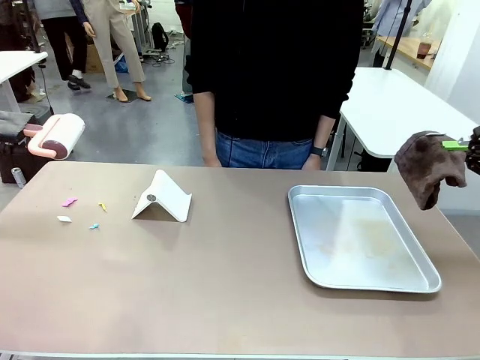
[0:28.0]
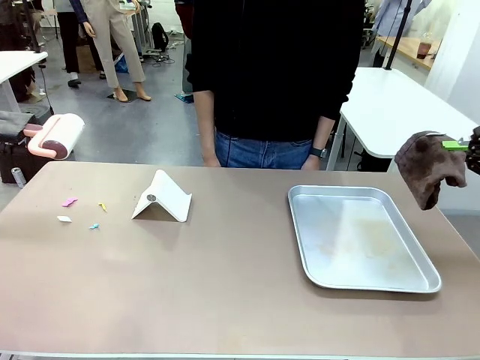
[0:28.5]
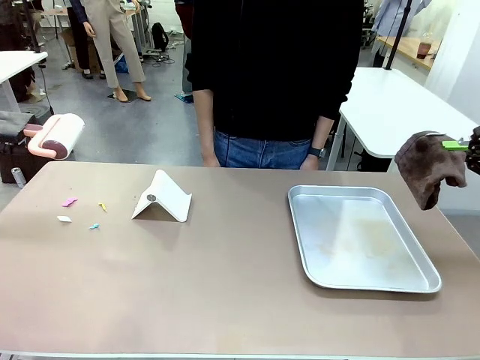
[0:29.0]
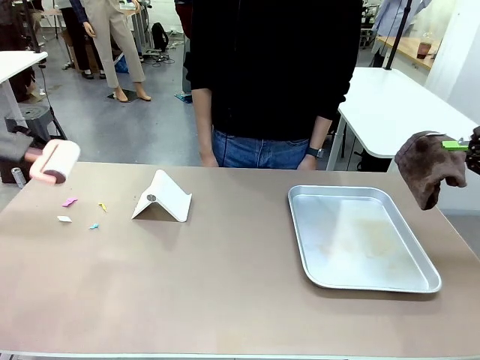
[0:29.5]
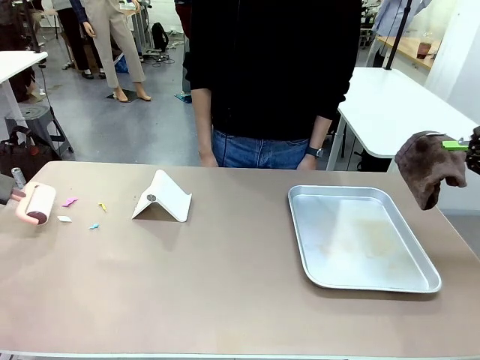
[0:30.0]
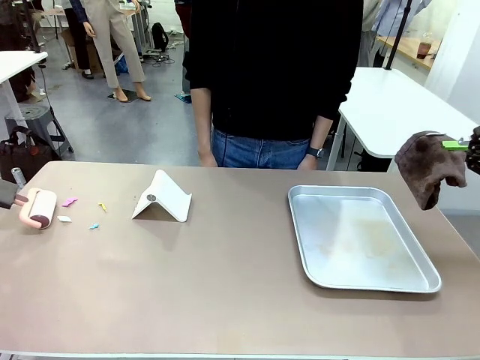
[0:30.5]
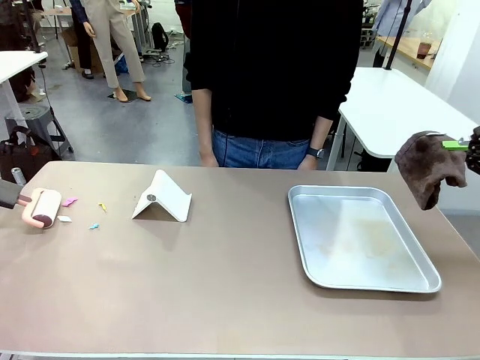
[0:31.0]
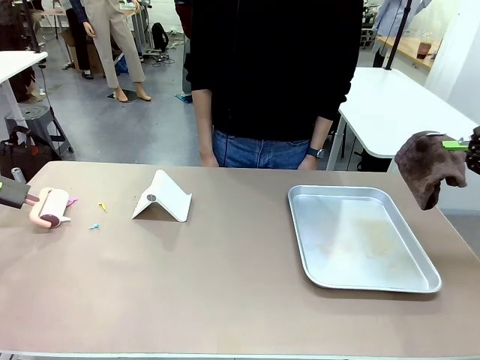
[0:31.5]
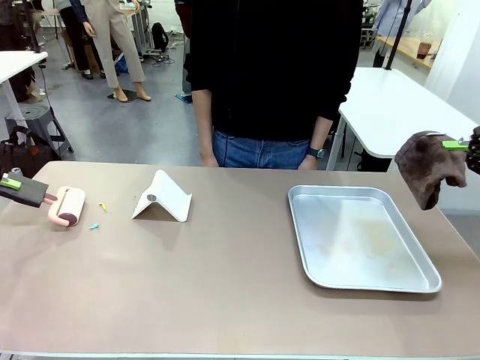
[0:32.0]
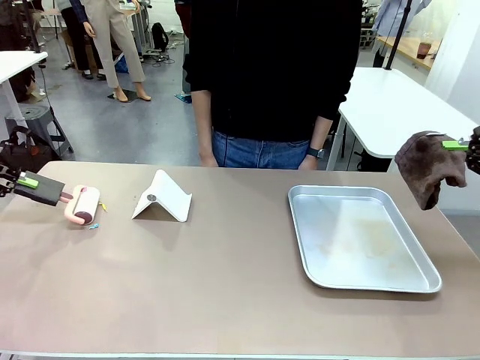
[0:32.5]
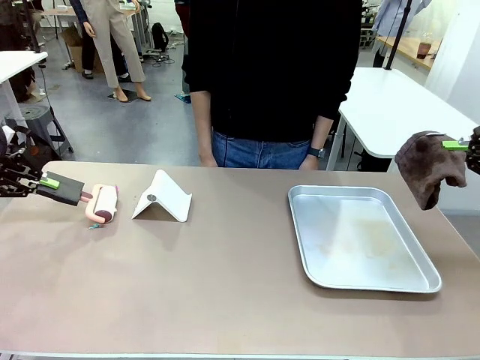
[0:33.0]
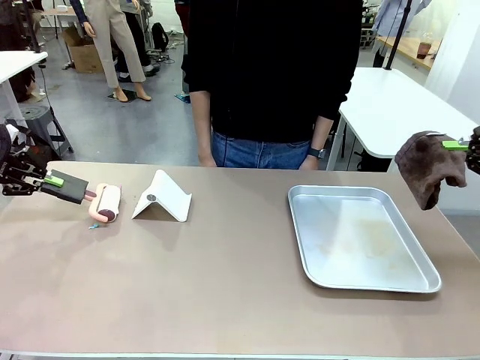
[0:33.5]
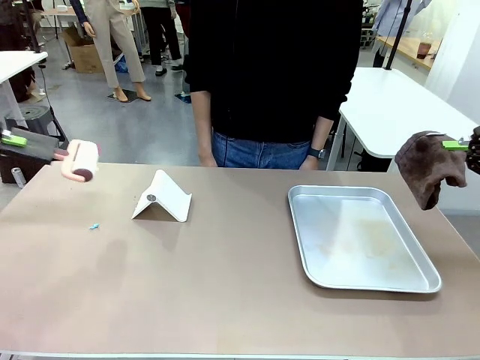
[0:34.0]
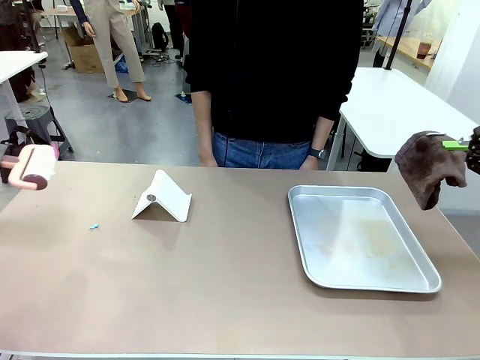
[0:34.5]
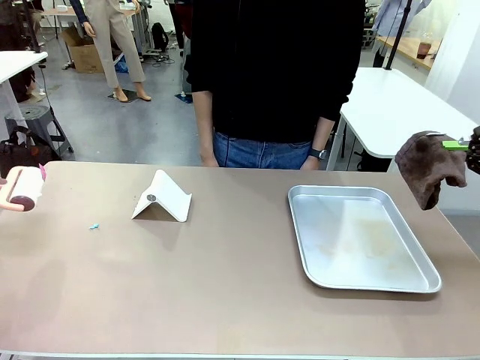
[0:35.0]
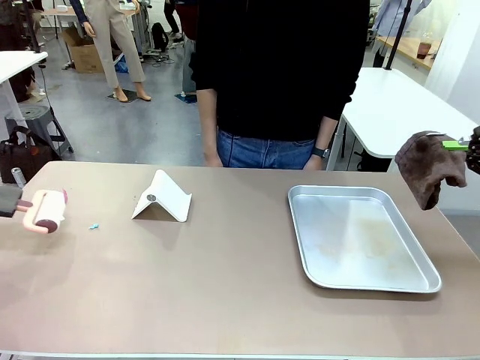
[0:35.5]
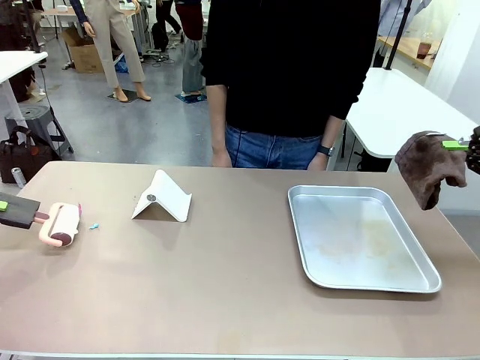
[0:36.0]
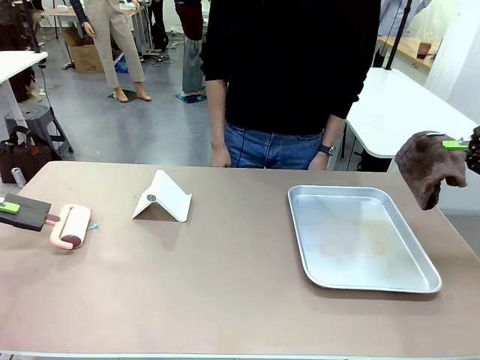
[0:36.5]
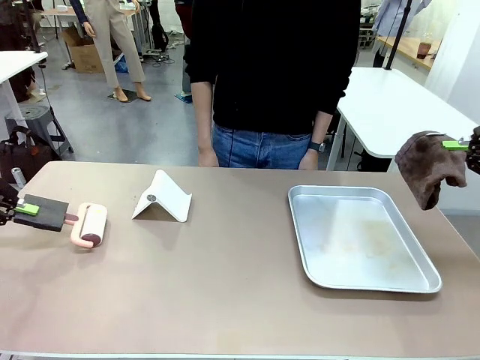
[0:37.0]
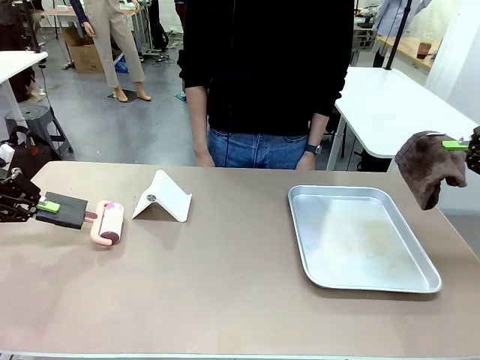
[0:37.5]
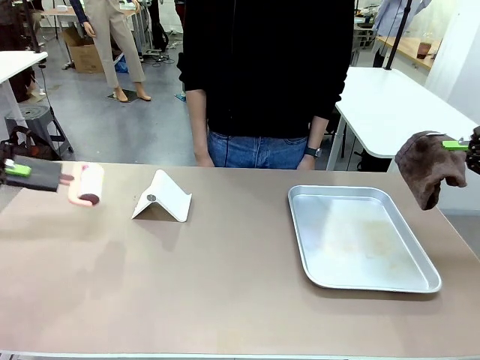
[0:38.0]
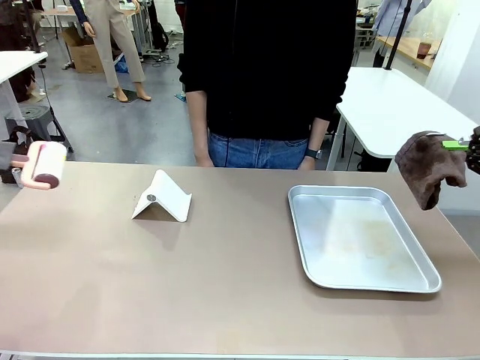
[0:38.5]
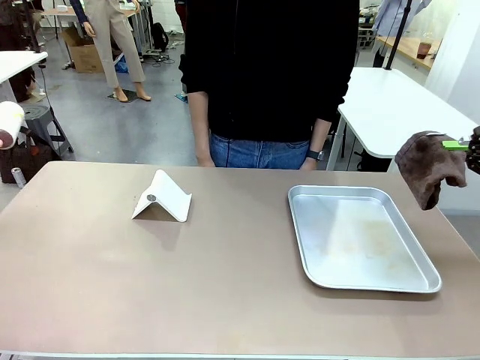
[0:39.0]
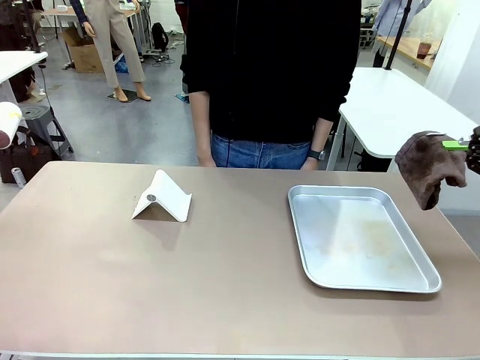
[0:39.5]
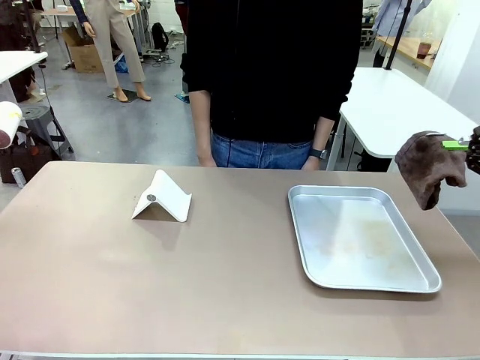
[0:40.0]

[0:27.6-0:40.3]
Task: Clean the surface of the table.
Robot: Clean the area not pointed to by the person.

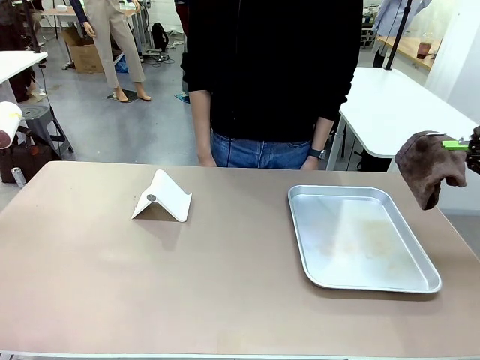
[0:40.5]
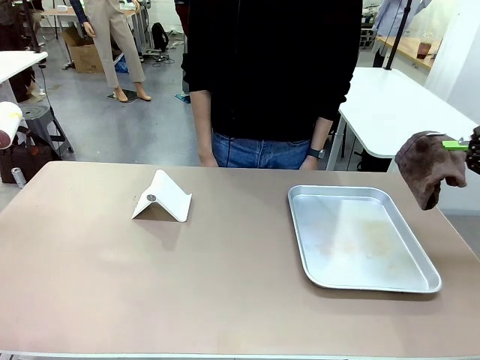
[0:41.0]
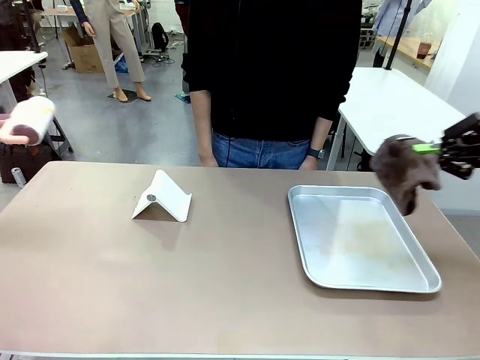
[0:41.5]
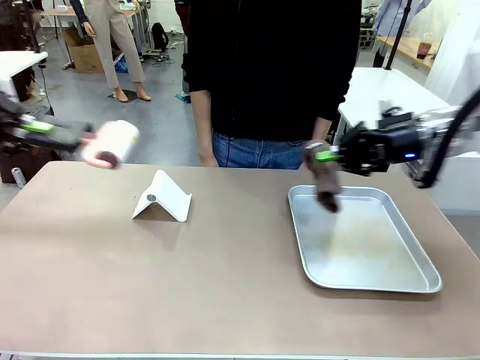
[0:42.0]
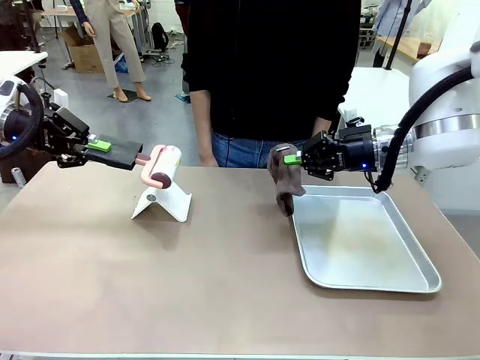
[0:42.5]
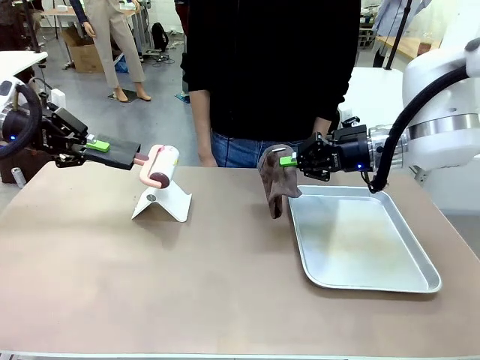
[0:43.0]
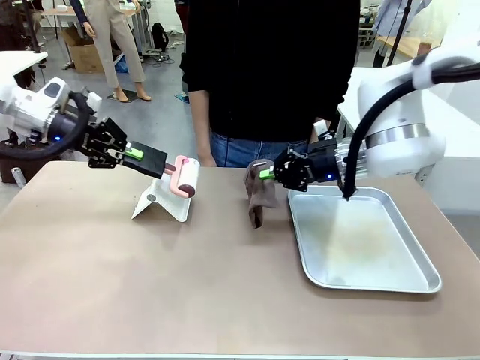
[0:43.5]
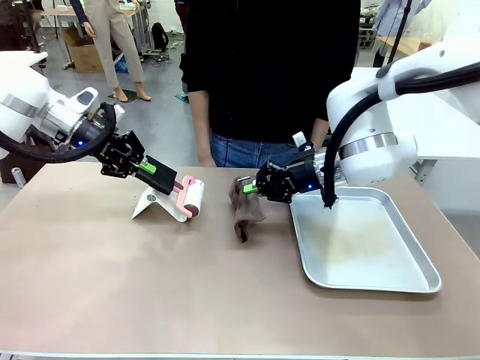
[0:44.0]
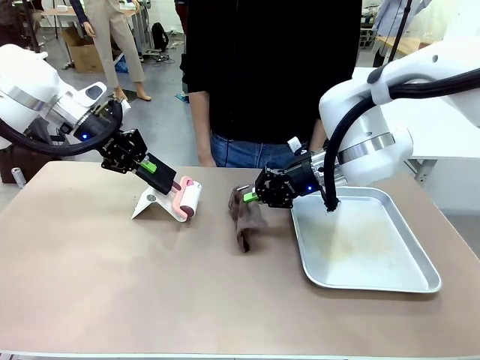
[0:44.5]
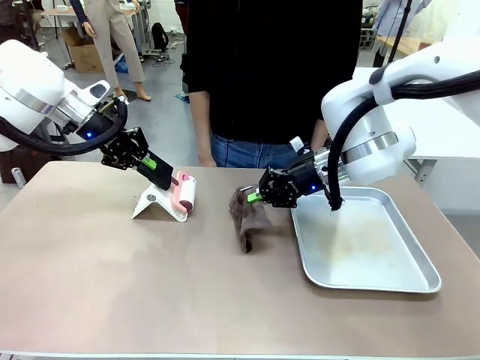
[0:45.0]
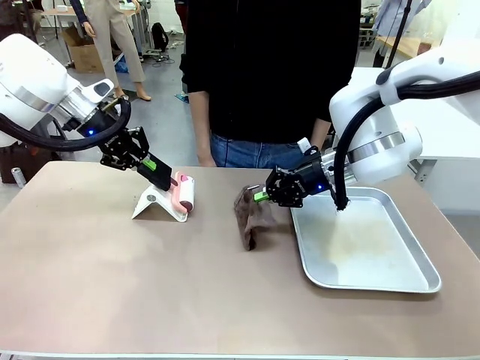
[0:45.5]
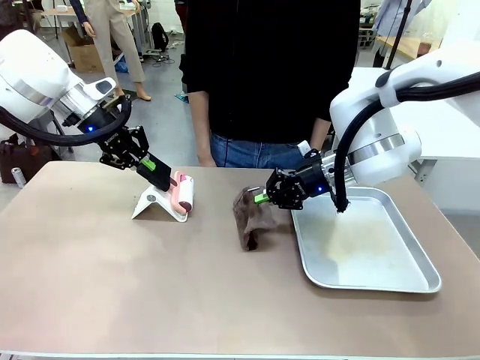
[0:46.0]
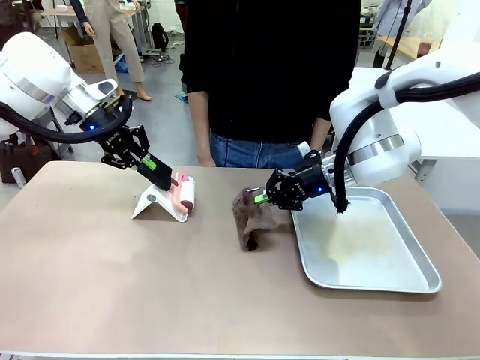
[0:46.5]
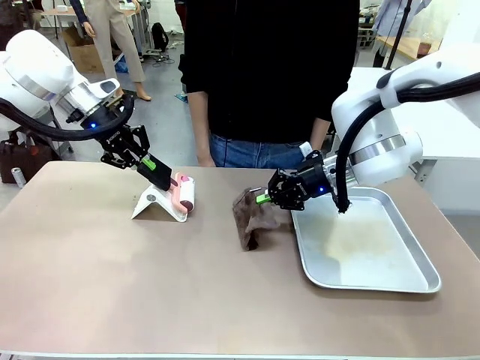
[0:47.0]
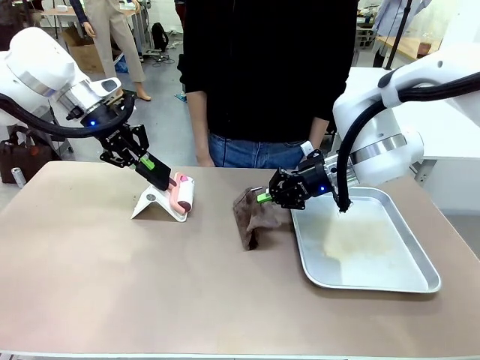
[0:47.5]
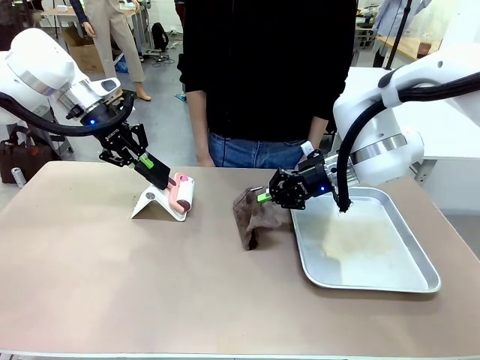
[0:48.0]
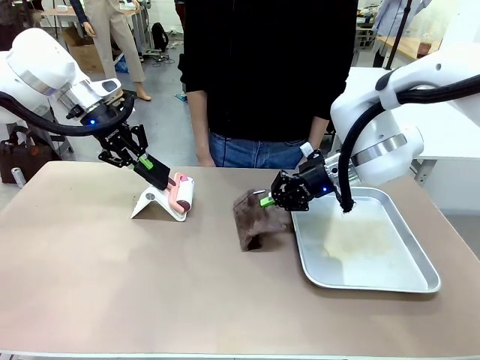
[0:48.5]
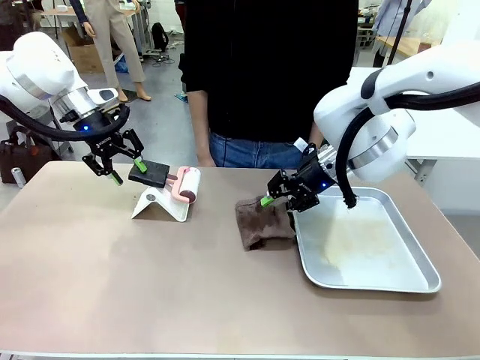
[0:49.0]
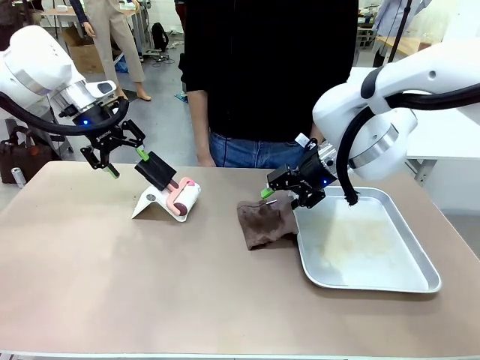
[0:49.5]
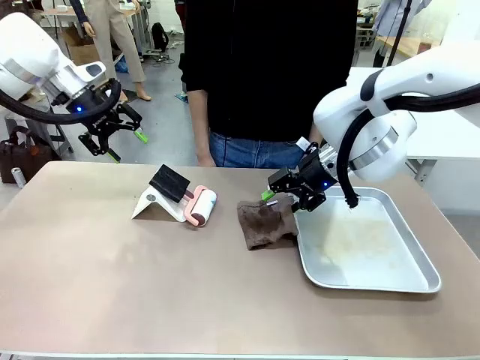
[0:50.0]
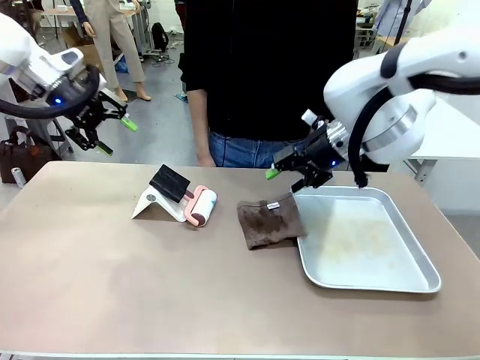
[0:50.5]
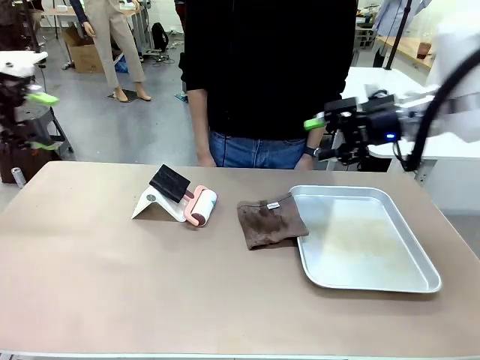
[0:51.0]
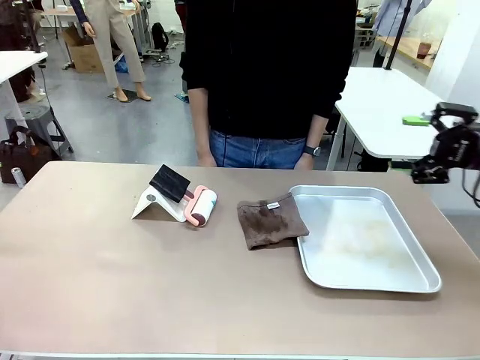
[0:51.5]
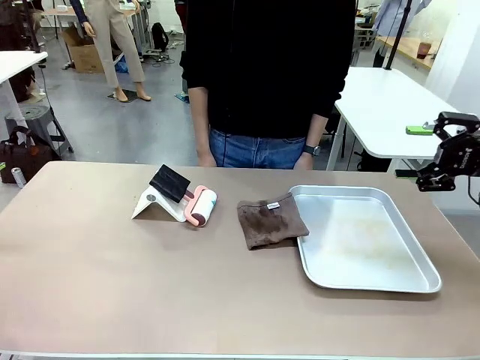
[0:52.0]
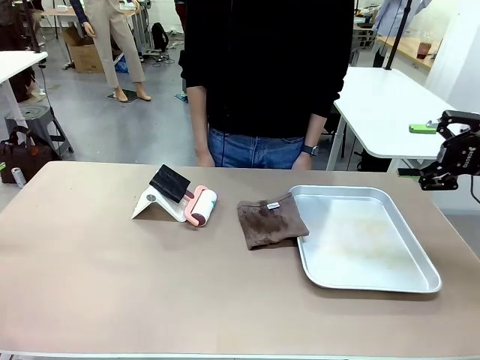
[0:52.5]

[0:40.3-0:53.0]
Robot: Return the Lint Roller and towel to their original positions.
